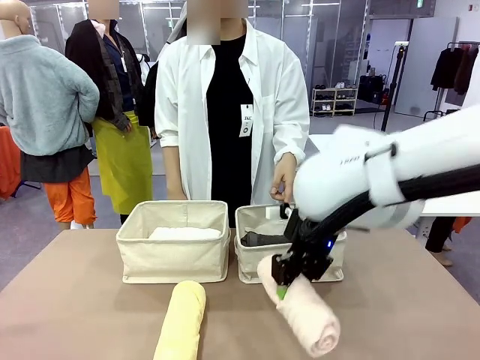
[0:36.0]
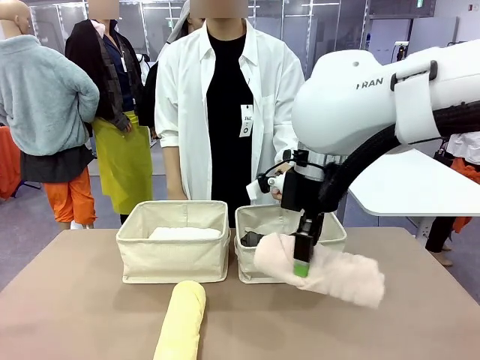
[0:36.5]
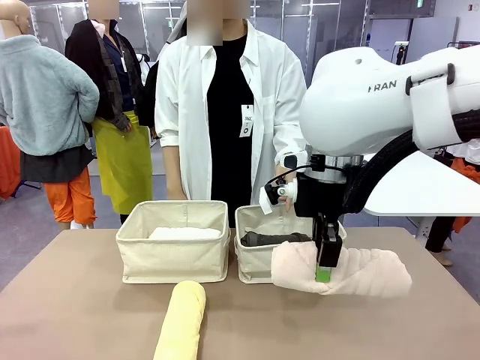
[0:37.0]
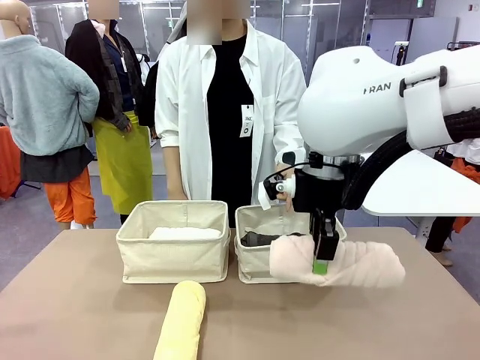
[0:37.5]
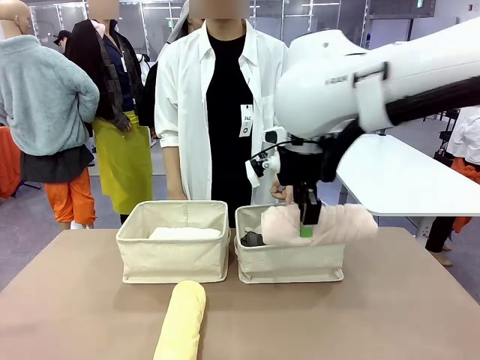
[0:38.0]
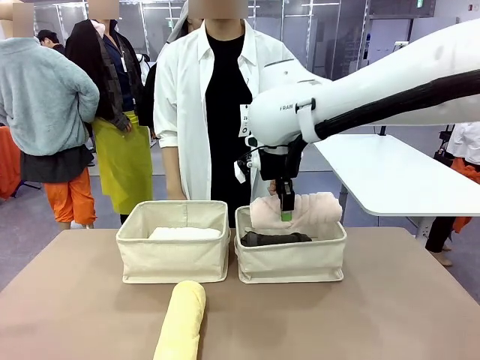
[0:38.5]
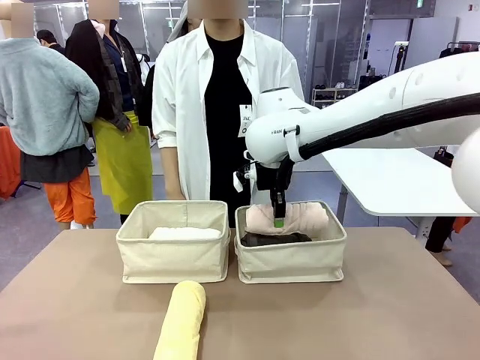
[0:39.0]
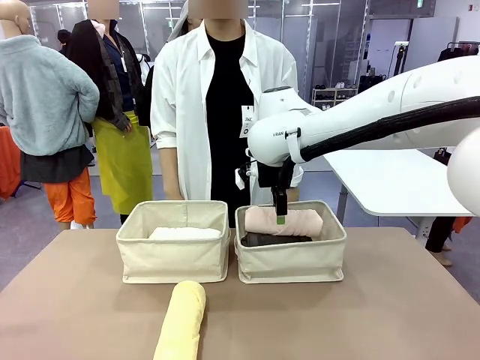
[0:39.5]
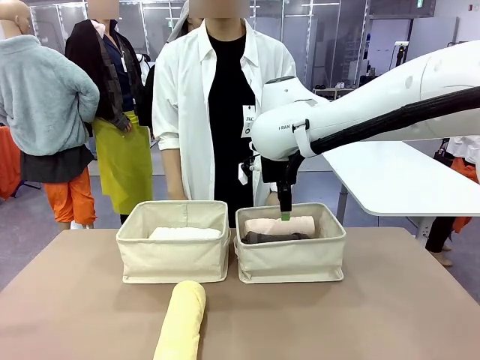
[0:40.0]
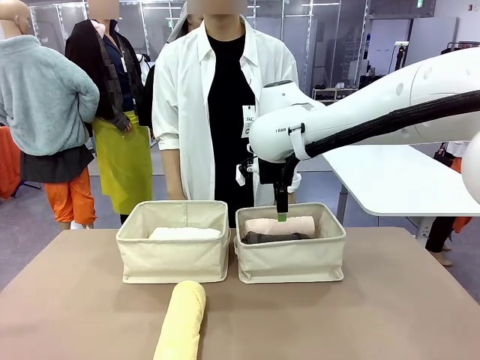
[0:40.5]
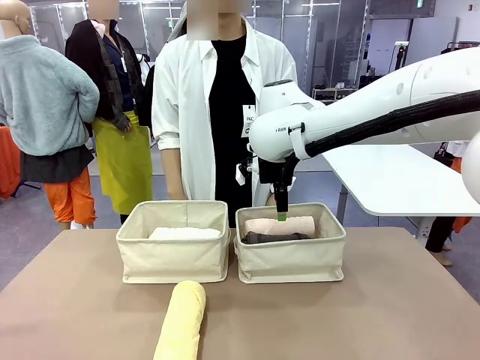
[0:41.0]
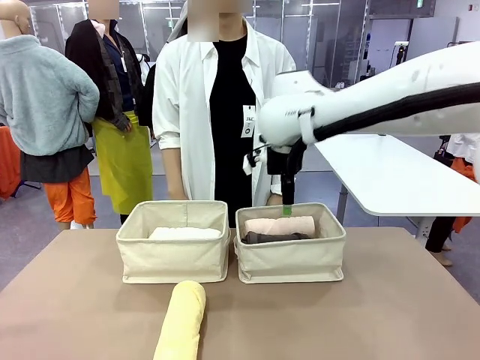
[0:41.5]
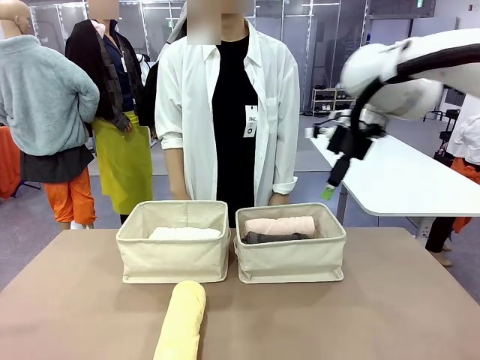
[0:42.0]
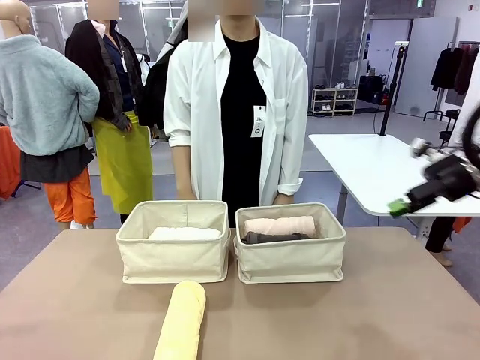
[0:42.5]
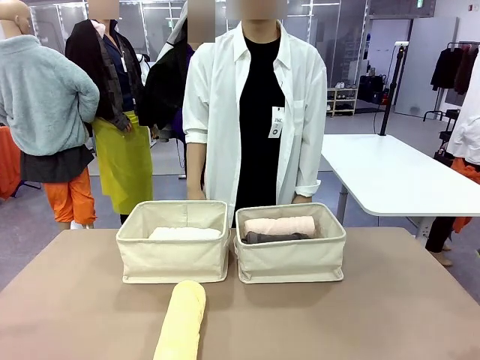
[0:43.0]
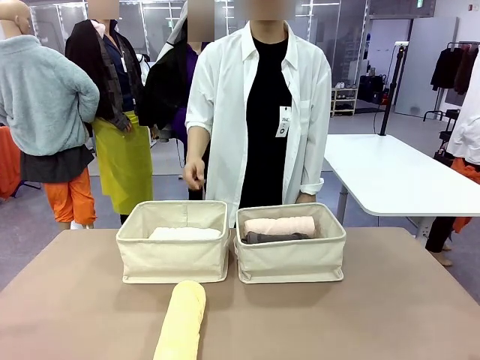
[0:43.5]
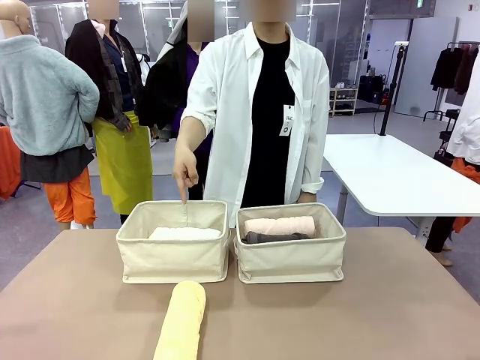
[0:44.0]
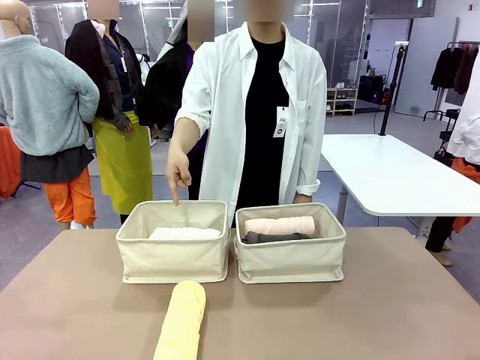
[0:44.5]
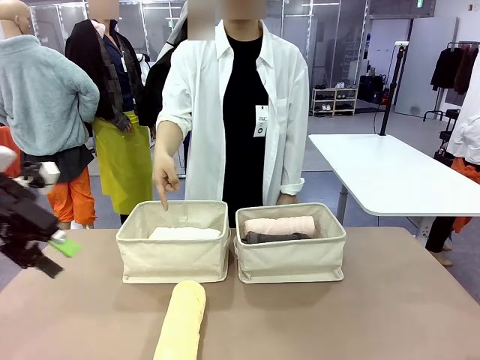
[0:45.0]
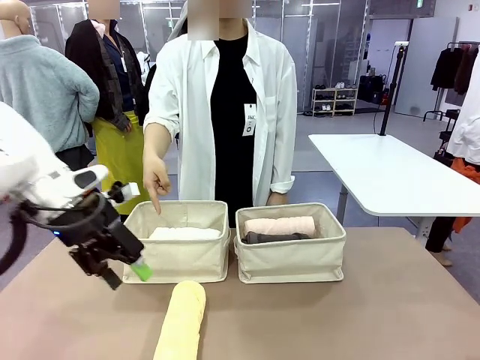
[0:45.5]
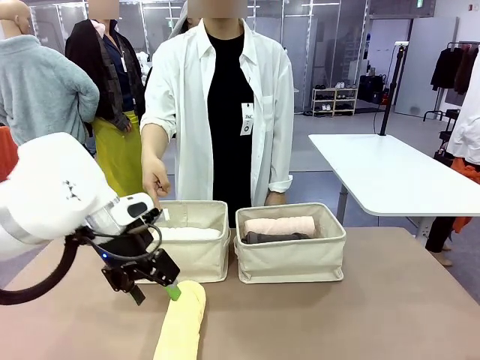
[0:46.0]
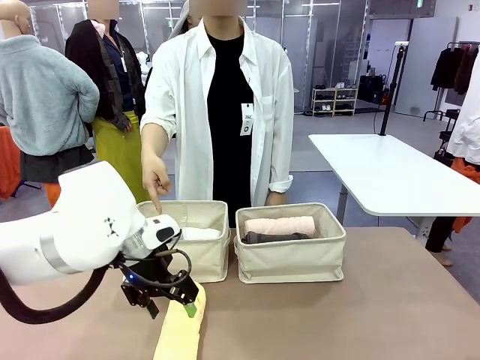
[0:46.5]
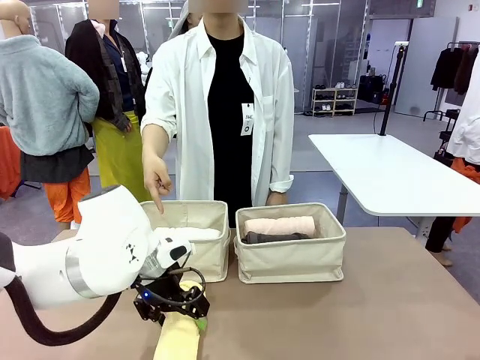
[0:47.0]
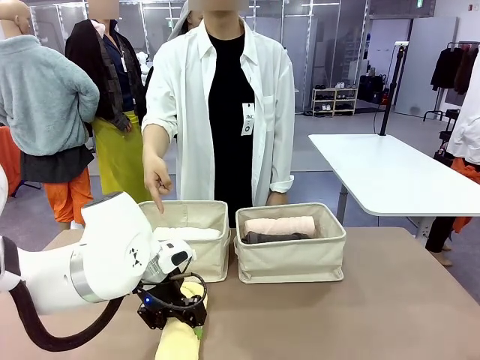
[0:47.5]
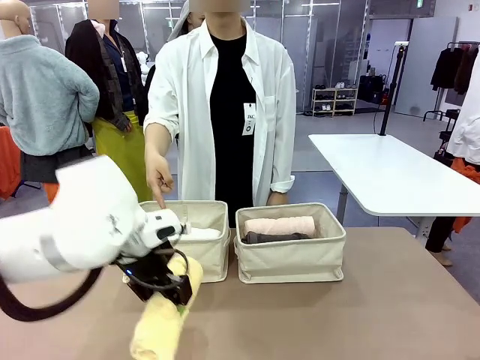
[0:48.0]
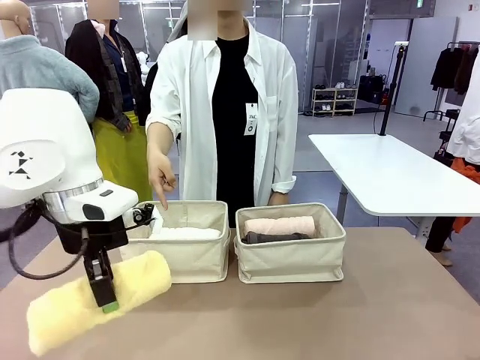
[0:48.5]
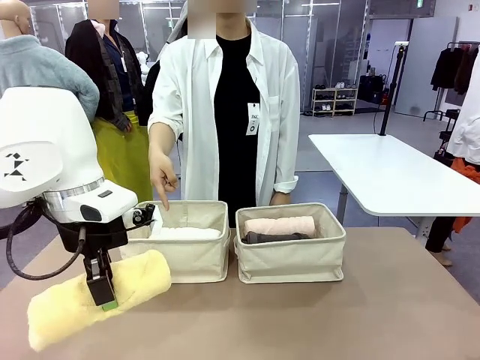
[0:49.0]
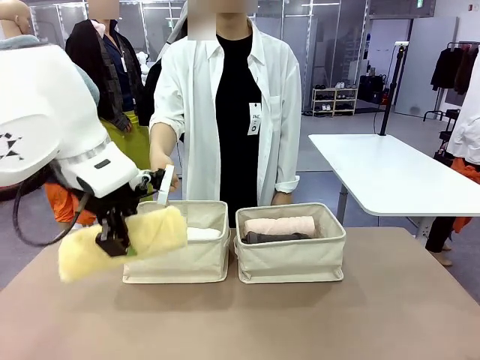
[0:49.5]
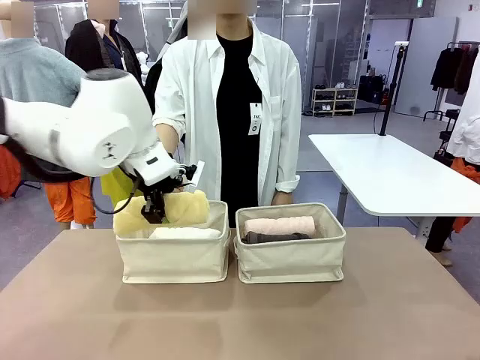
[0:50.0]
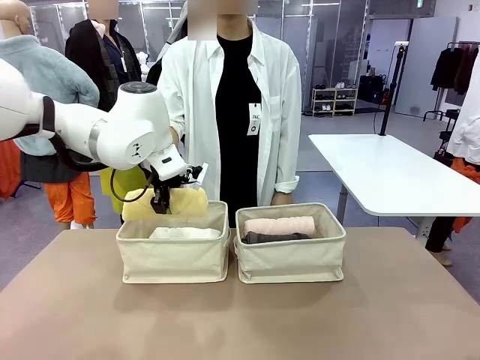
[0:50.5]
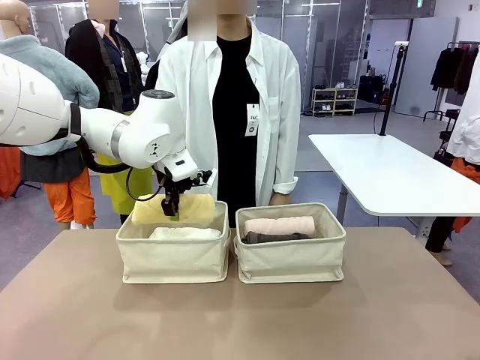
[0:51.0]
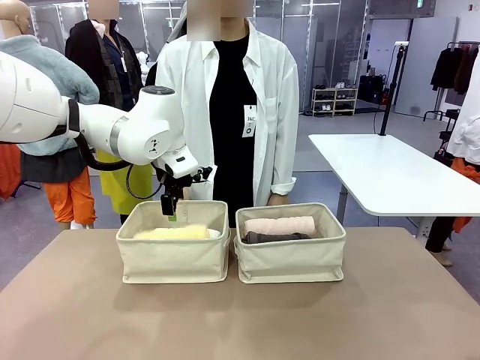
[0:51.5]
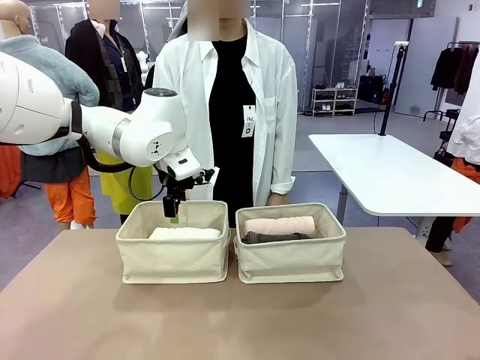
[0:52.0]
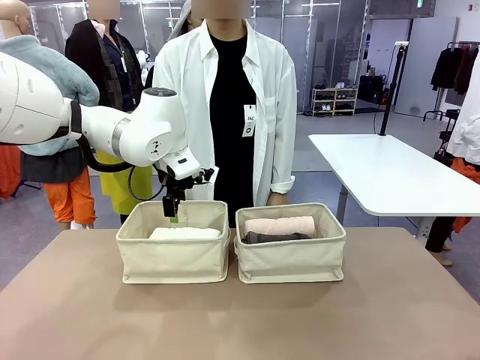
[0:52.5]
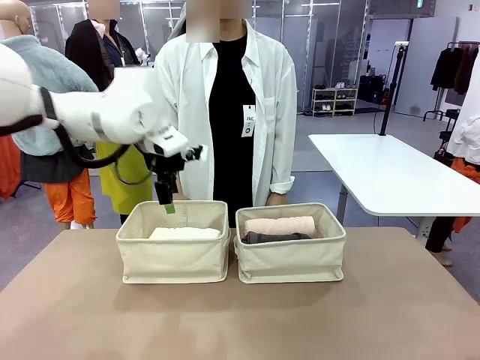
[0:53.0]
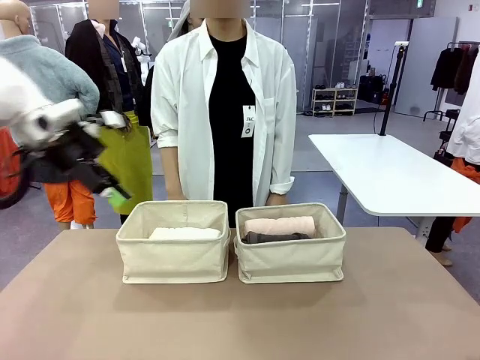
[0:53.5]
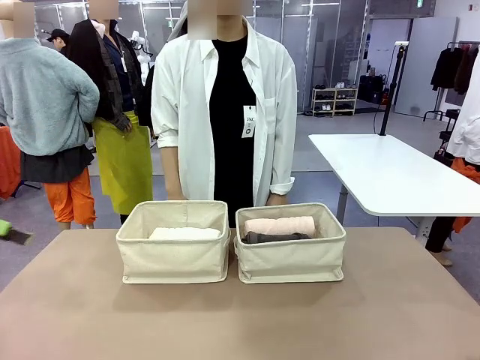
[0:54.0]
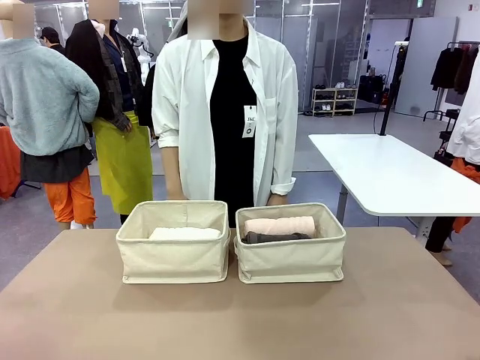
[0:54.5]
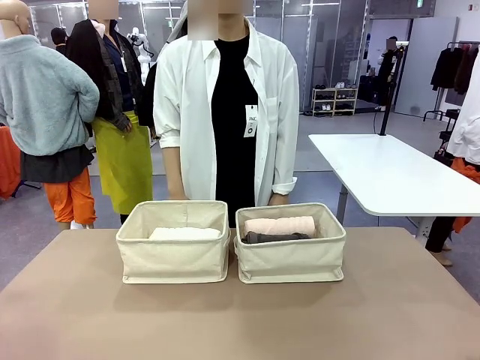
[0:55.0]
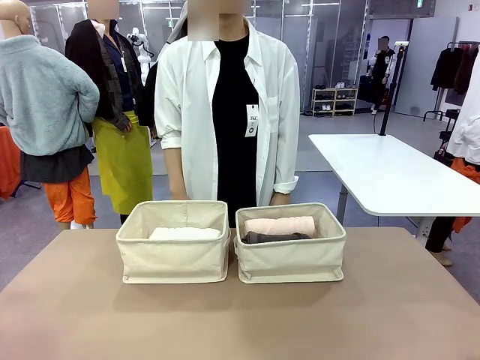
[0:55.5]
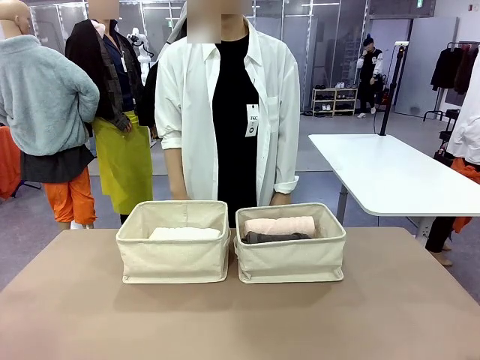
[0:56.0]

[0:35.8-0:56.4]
Task: Divide the towels into two baskets.
Robot: Pick up one hotel-folded towel from the bottom of the table and place it in the Fabric basket indicated by the person.

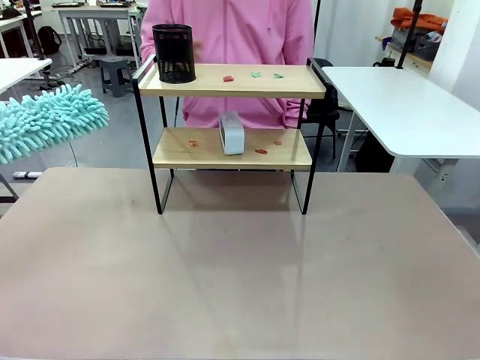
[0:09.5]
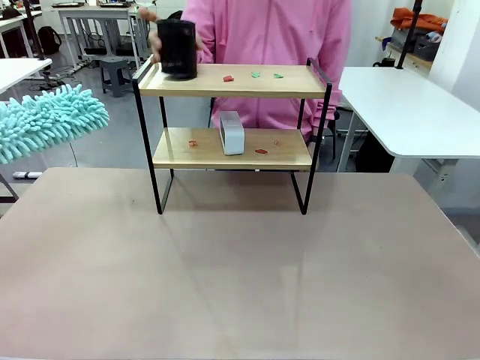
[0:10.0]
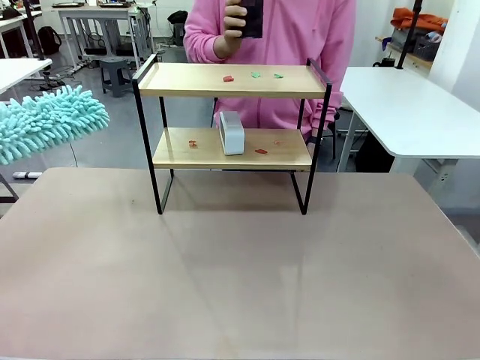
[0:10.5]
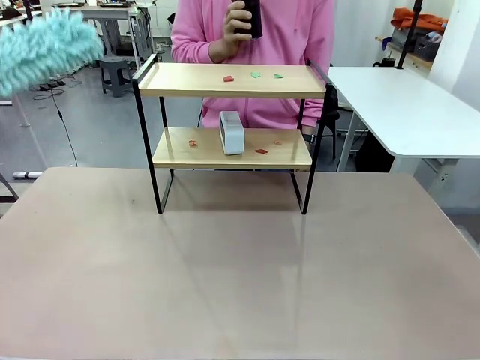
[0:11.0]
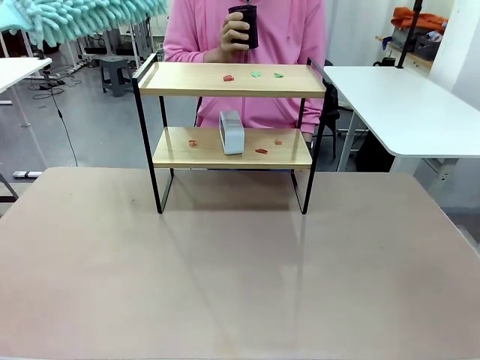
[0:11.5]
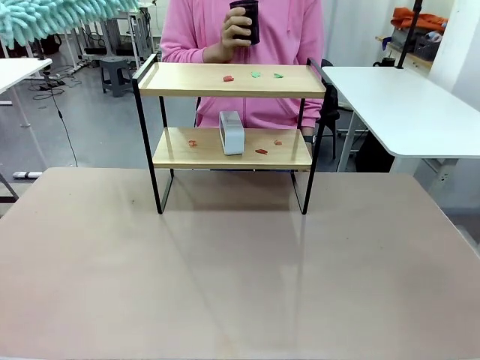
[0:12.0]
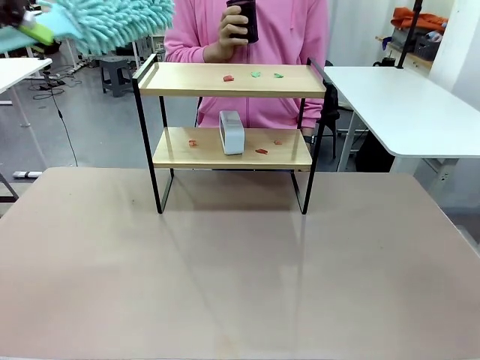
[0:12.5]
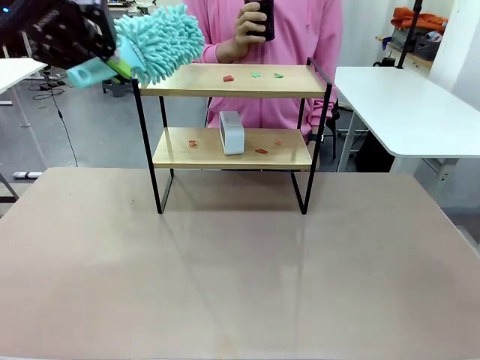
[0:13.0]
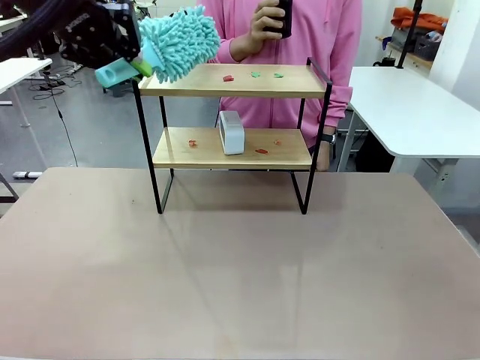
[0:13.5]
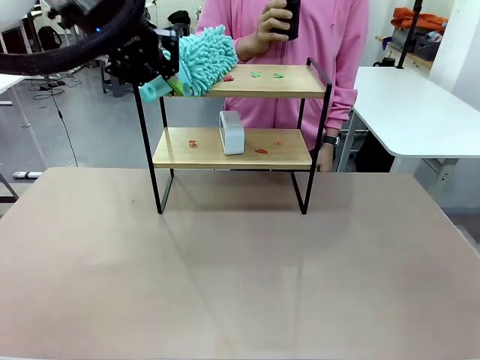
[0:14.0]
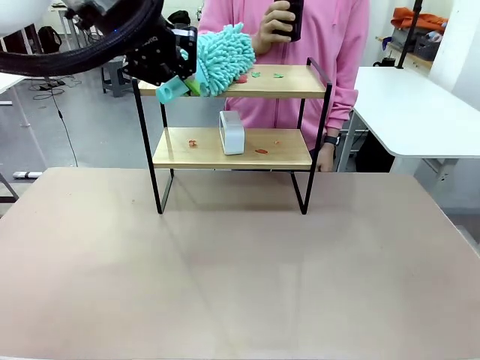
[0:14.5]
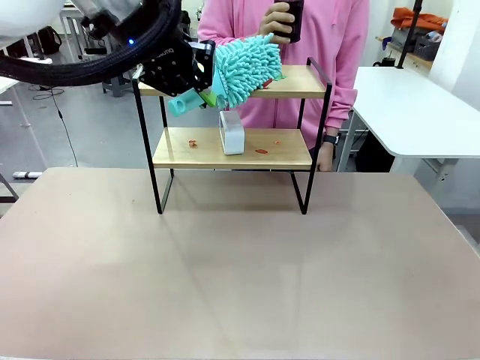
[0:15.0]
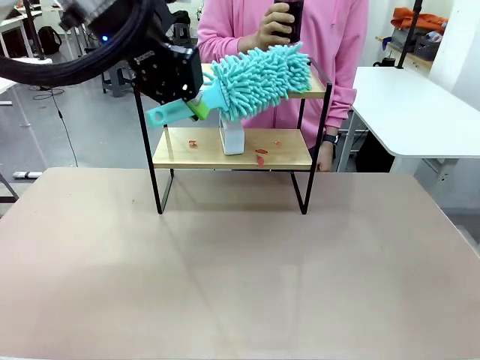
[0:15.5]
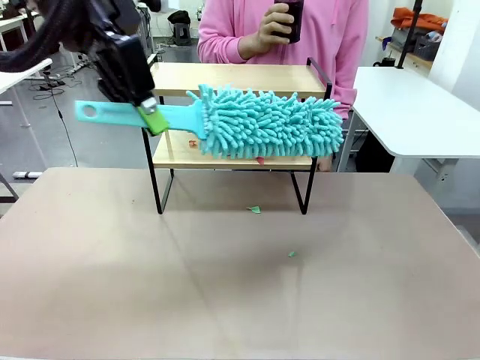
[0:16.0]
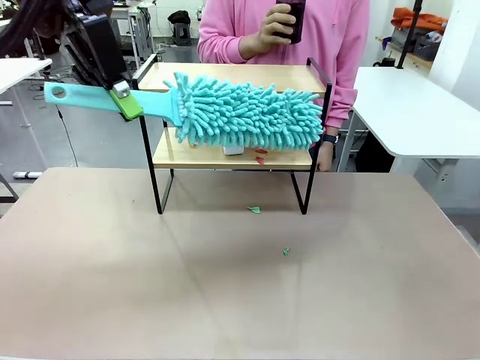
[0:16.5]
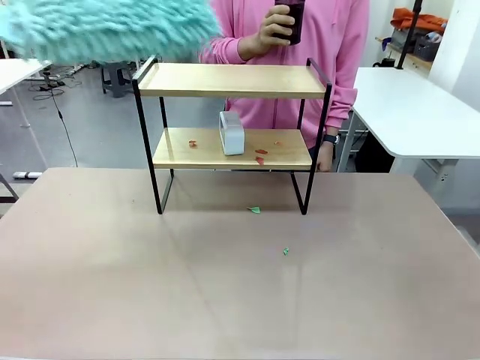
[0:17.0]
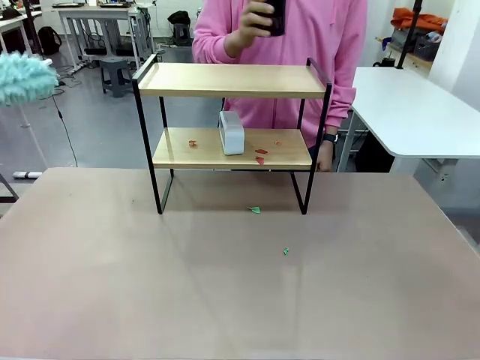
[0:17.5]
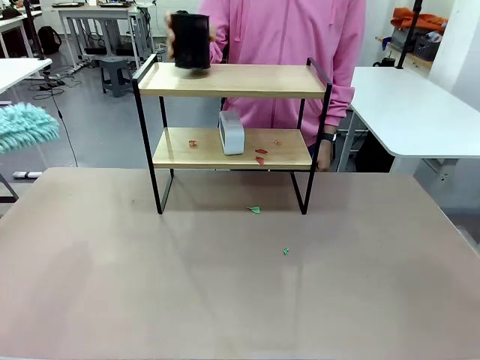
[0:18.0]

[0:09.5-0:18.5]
Task: Clean the shelf.
Robot: Clean the specific tier of the Shelf with the Duster once objects are removed.
Person: Lift the objects on a randomly selected tier of the Shelf. Once the robot finishes cleaning, lift the objects on the remaining tiers of the Shelf.
